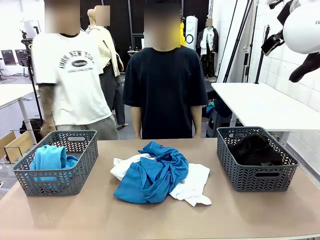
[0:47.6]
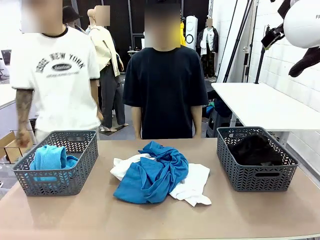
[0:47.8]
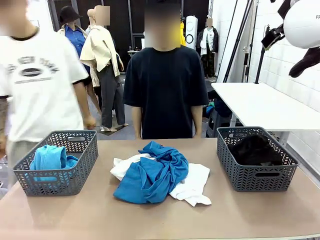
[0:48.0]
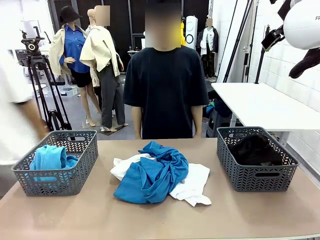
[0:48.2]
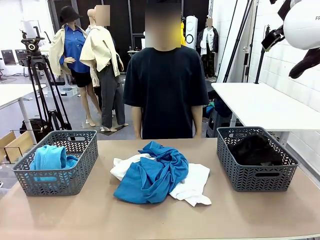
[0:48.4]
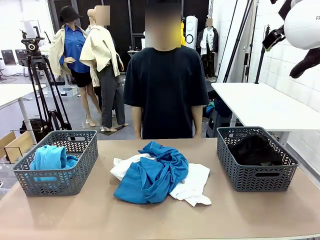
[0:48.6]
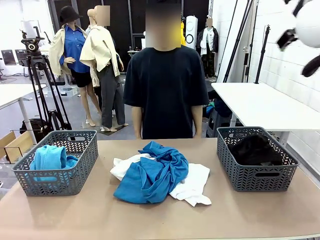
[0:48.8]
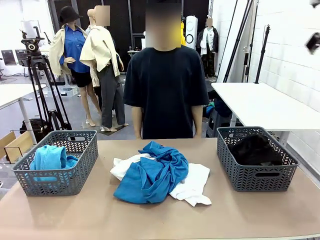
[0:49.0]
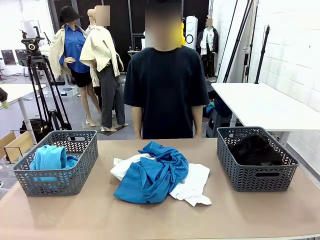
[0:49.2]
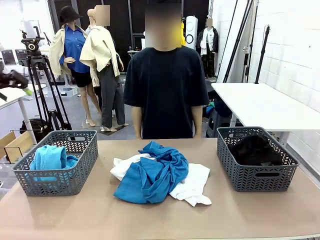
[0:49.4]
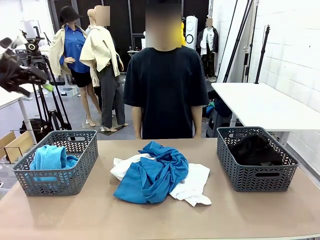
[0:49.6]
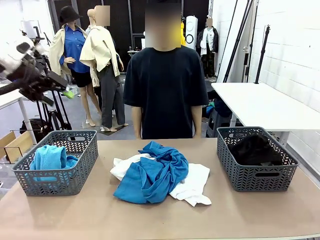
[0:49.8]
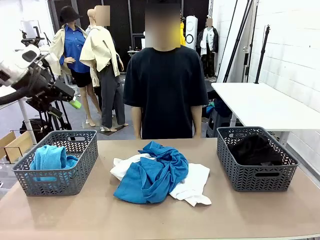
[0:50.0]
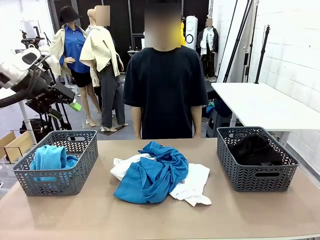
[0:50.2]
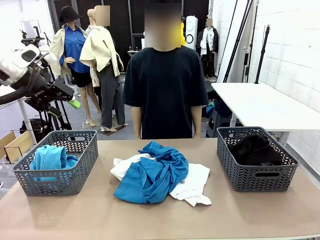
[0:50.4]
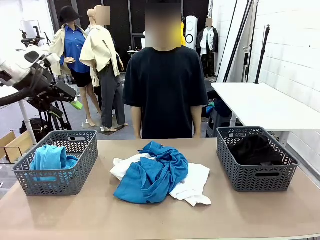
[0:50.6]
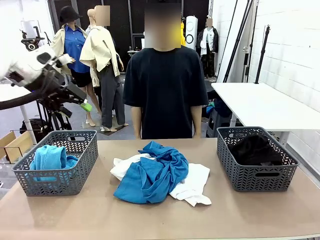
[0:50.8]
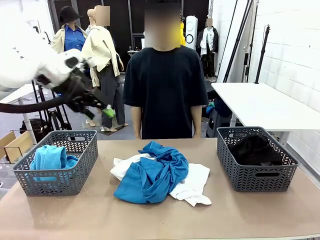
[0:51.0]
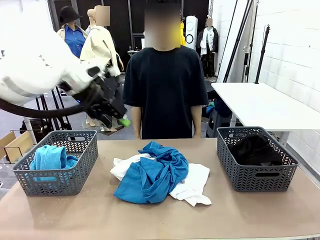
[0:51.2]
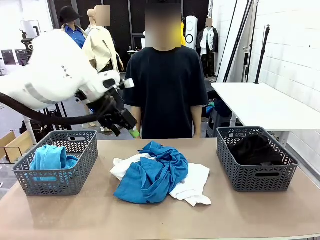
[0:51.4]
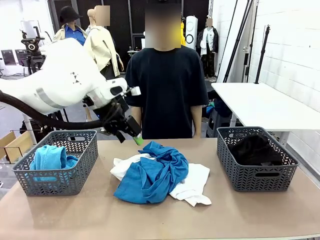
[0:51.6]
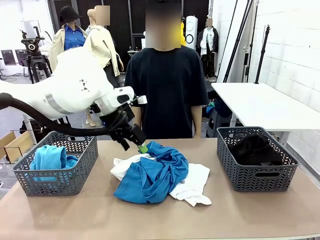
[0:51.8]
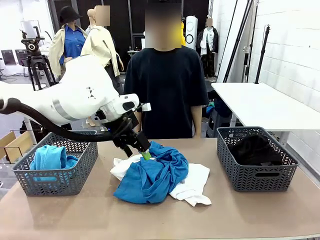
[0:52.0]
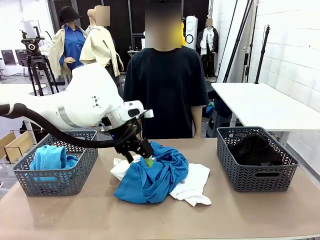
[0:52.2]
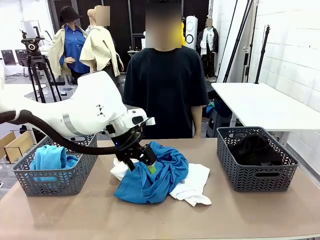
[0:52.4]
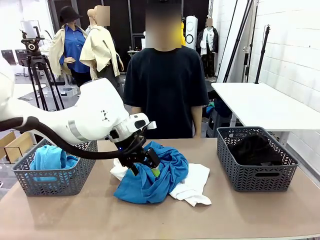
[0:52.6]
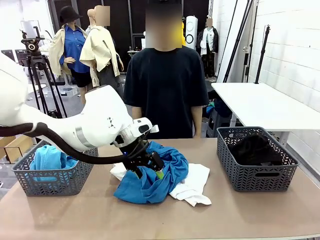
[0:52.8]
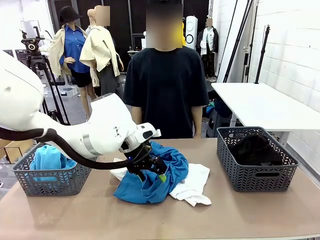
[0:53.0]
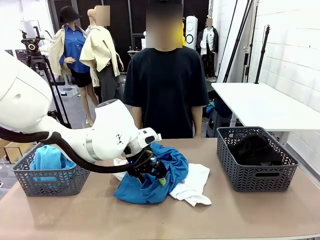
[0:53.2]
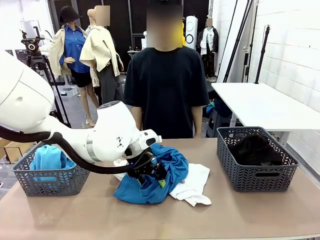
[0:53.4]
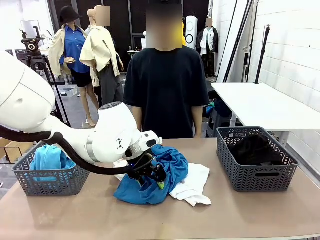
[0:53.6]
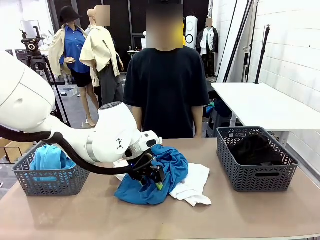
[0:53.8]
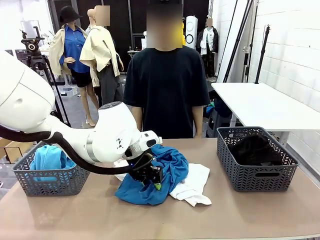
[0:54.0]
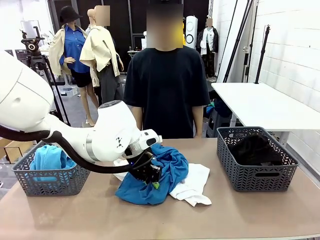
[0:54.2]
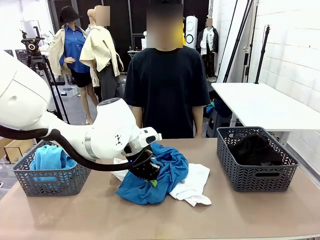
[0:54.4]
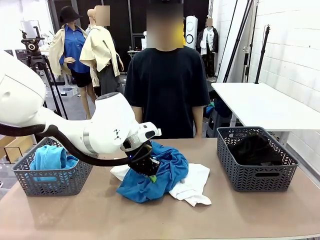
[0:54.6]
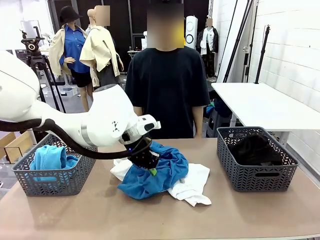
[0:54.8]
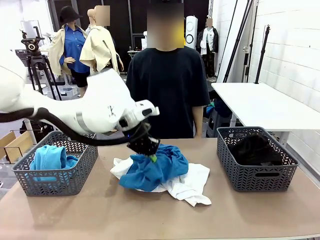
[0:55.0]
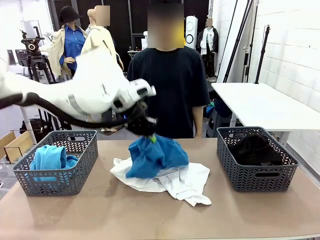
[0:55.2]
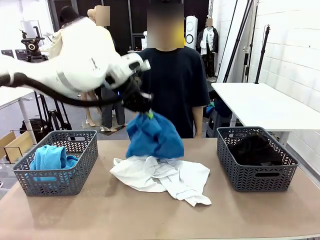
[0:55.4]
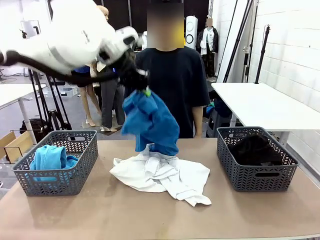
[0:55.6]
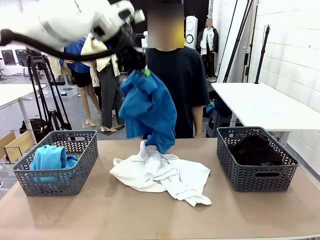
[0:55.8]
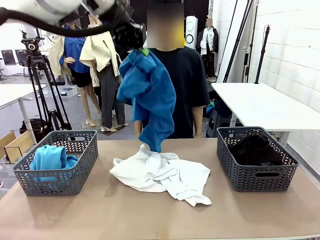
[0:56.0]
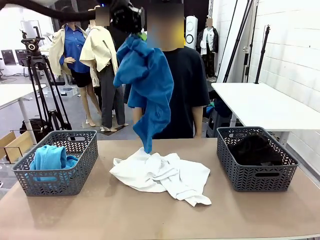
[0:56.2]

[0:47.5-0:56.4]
Task: Sort the tops and bottoms.
Robot: Lift clothes from the center of the table with your left hand.

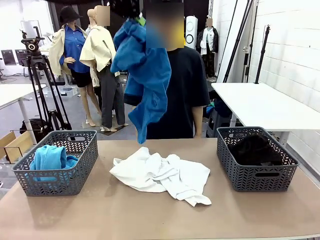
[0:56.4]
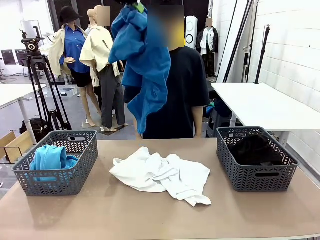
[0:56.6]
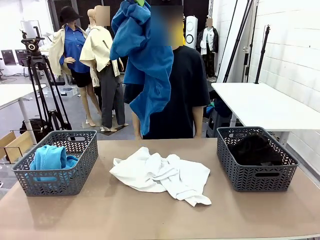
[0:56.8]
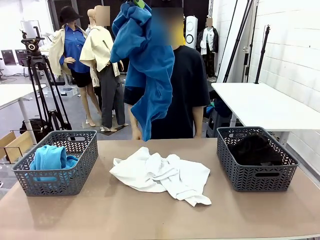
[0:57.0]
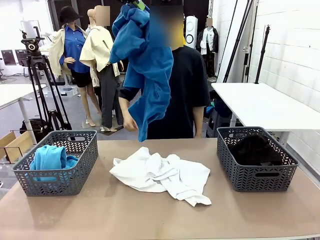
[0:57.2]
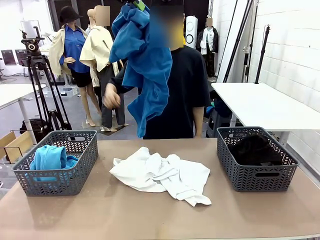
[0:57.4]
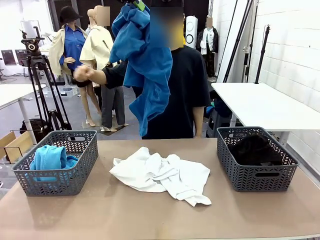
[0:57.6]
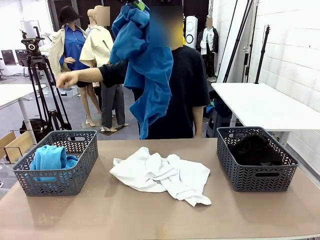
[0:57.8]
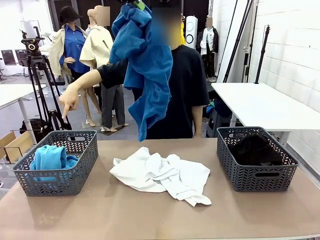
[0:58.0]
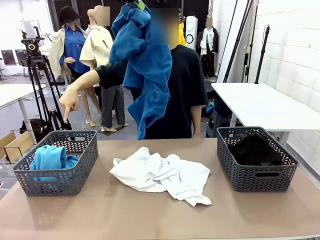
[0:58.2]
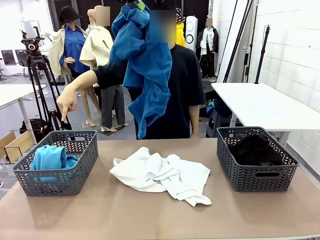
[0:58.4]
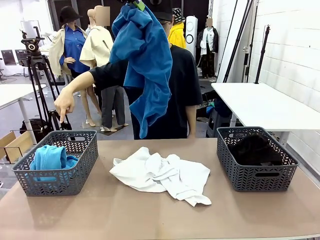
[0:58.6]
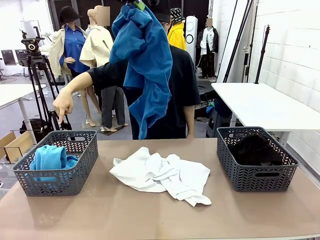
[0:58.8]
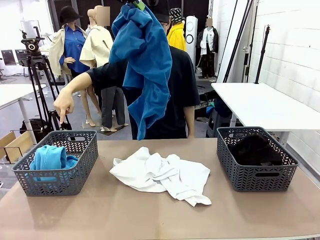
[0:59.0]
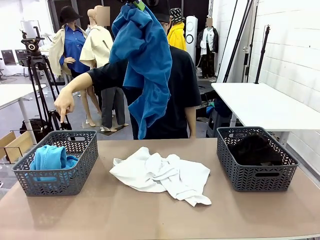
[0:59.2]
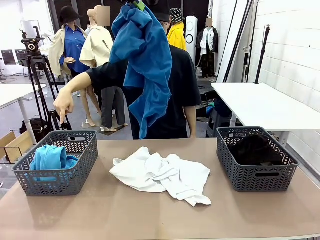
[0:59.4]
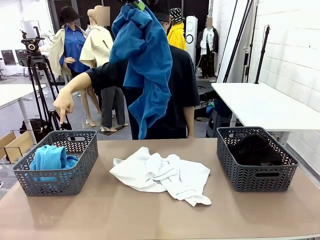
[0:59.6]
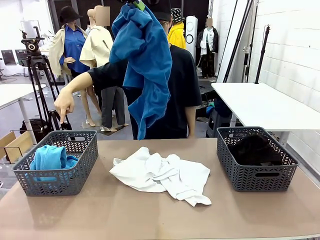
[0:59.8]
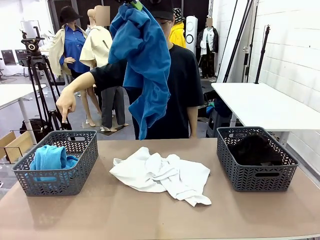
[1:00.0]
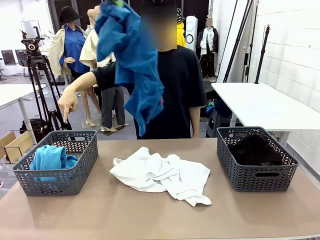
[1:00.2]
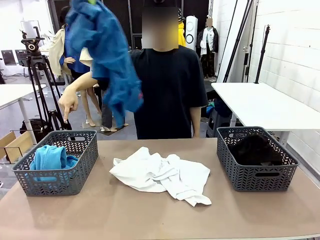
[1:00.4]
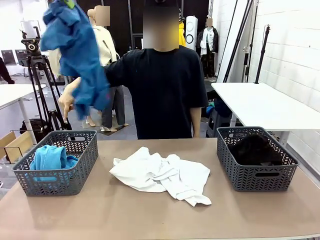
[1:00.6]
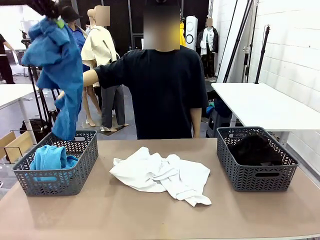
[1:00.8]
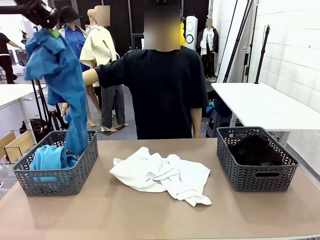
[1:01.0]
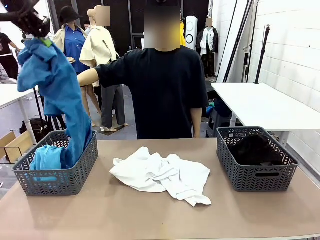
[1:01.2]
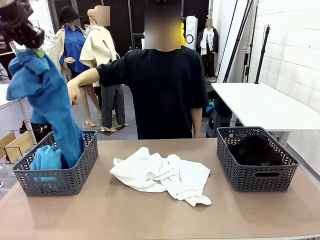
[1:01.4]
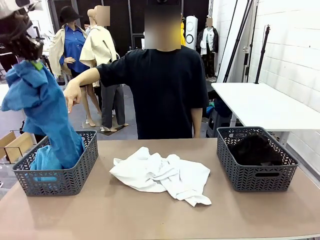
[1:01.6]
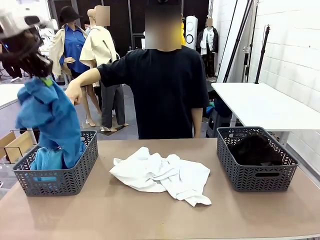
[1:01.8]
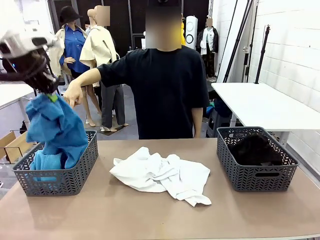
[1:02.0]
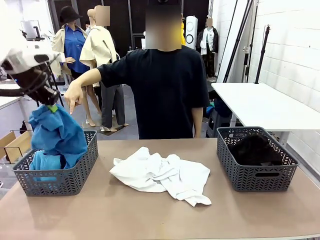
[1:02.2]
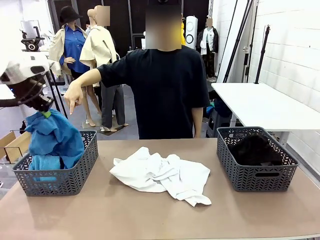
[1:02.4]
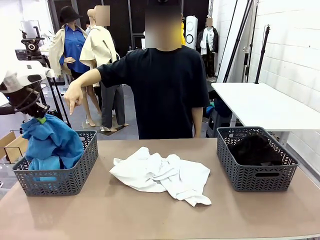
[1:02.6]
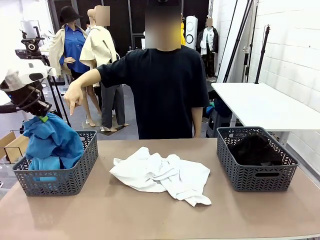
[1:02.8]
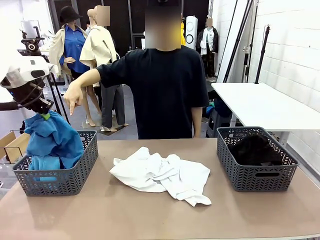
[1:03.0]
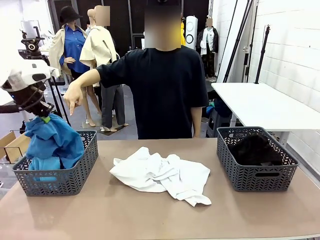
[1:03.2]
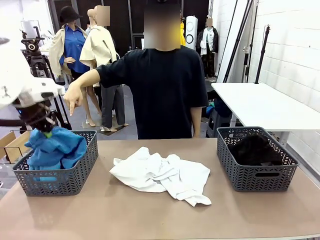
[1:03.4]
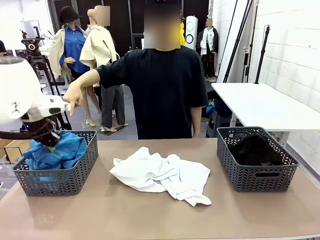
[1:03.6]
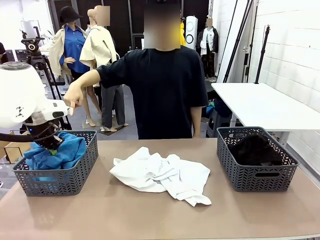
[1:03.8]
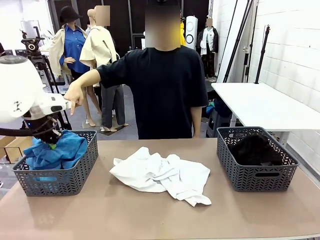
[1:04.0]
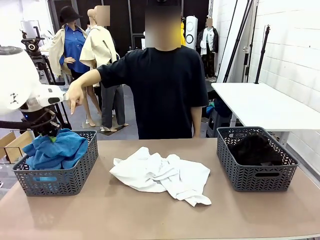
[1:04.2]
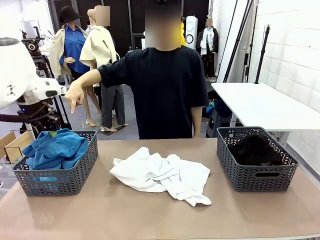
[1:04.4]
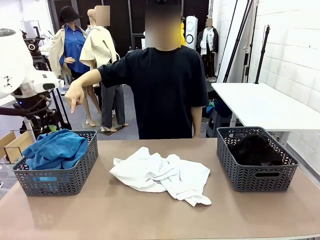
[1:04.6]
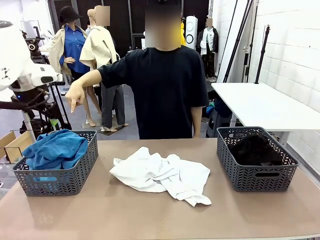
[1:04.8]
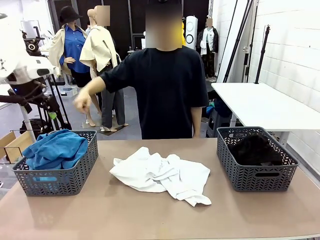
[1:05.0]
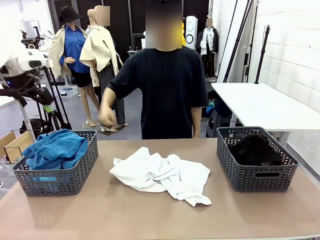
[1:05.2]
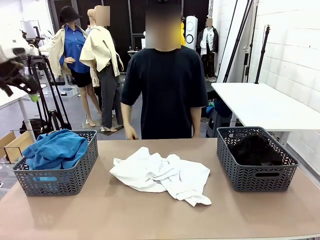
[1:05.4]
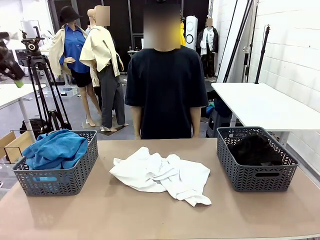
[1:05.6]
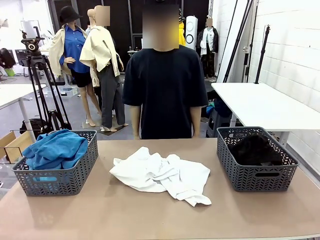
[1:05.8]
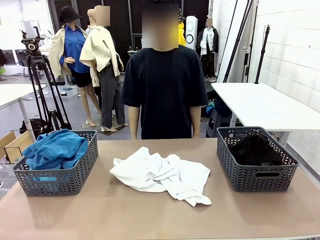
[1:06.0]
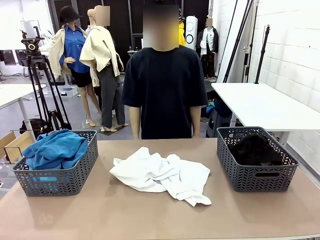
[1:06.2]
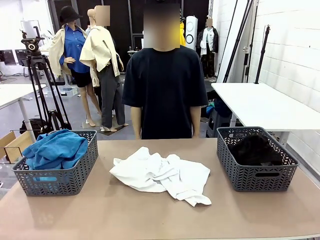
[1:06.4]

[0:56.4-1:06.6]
Robot: Sort the clothes according to human instructions.
